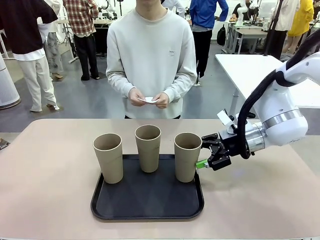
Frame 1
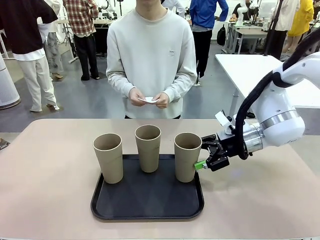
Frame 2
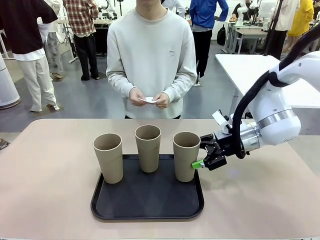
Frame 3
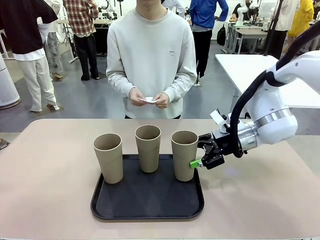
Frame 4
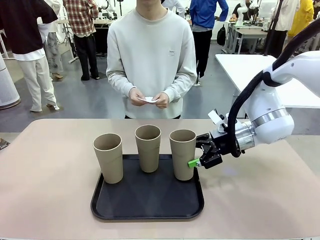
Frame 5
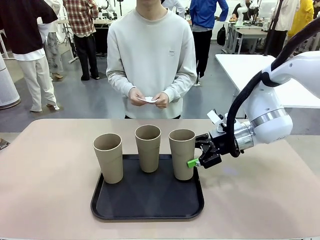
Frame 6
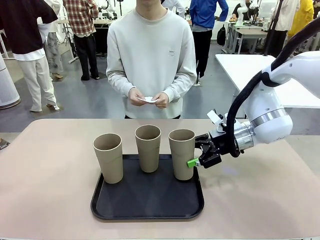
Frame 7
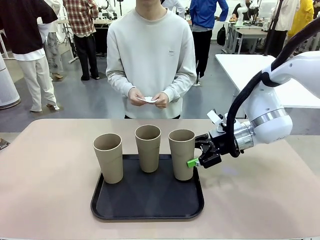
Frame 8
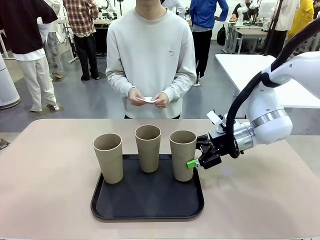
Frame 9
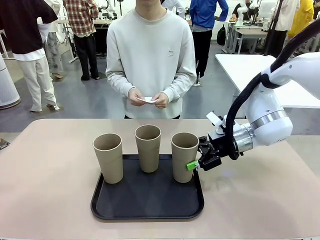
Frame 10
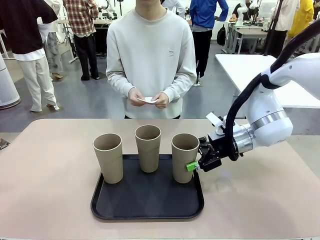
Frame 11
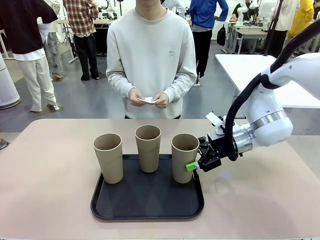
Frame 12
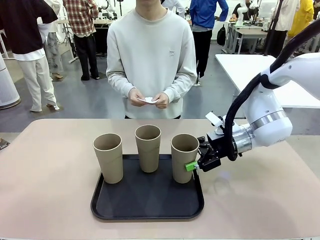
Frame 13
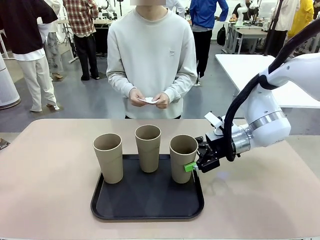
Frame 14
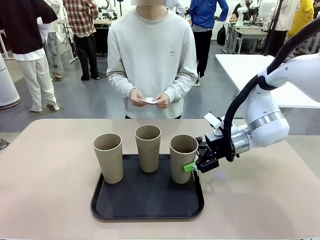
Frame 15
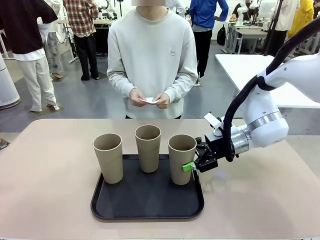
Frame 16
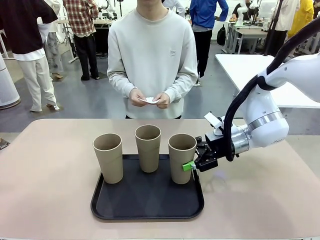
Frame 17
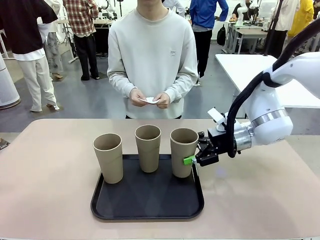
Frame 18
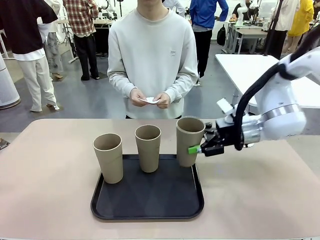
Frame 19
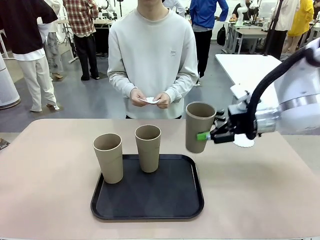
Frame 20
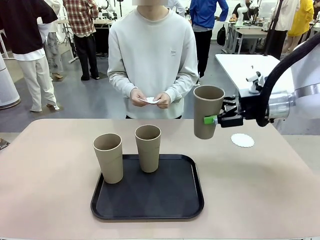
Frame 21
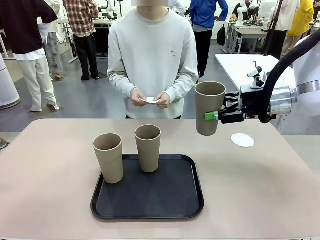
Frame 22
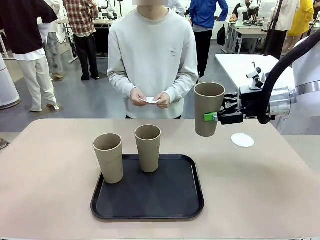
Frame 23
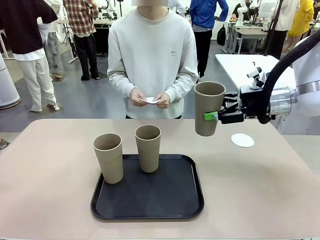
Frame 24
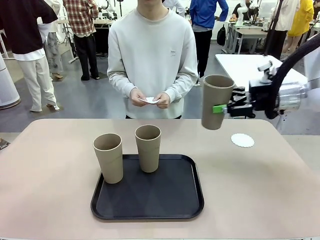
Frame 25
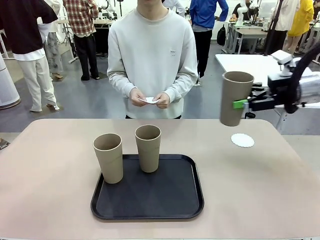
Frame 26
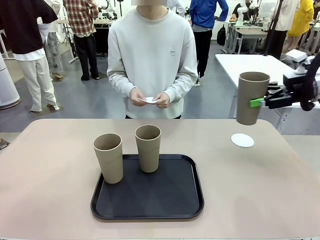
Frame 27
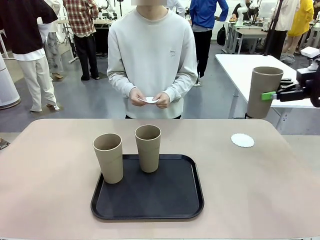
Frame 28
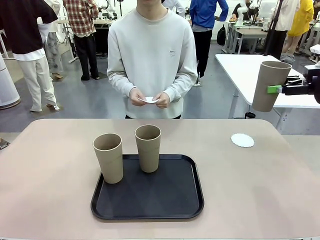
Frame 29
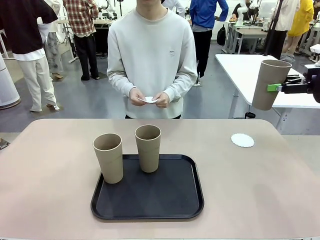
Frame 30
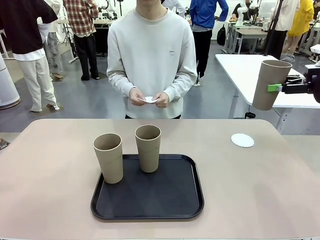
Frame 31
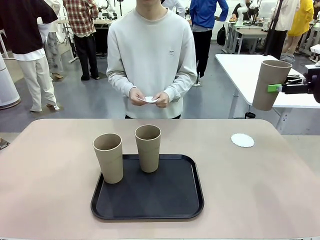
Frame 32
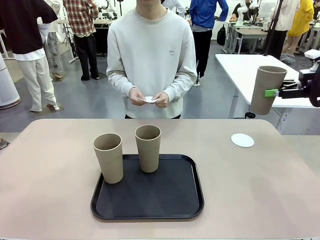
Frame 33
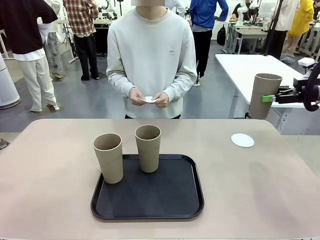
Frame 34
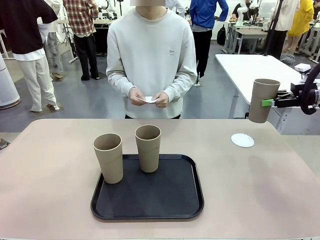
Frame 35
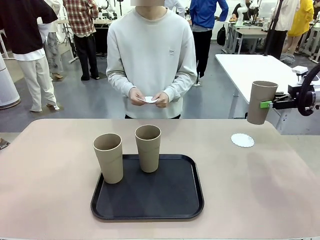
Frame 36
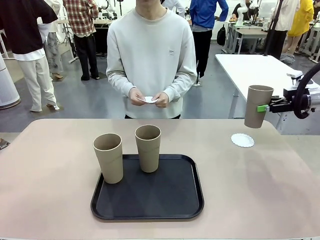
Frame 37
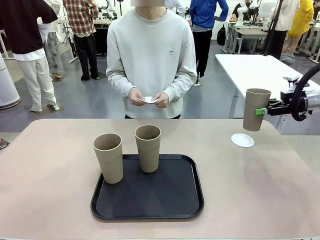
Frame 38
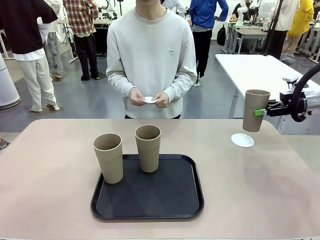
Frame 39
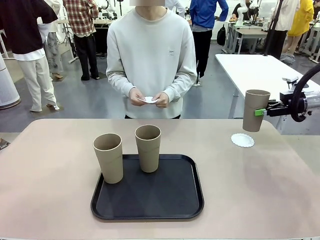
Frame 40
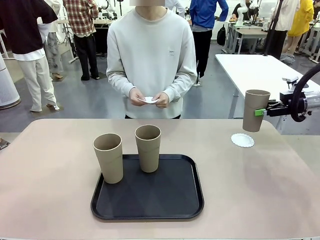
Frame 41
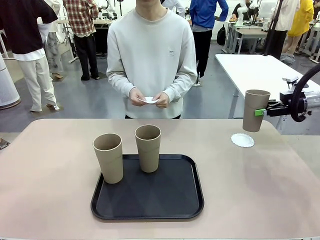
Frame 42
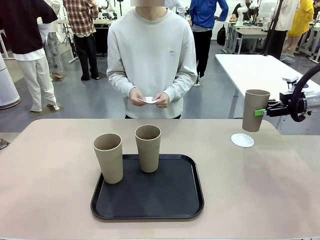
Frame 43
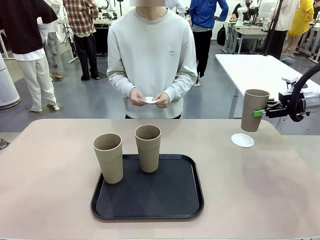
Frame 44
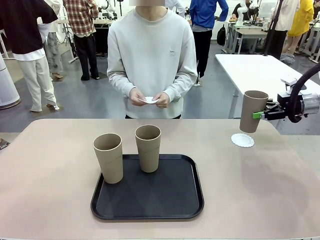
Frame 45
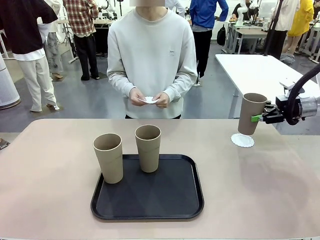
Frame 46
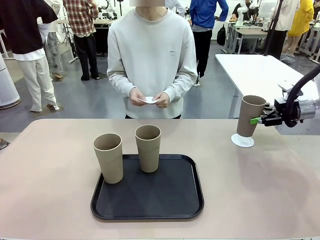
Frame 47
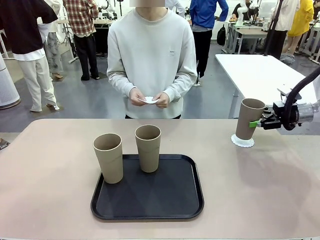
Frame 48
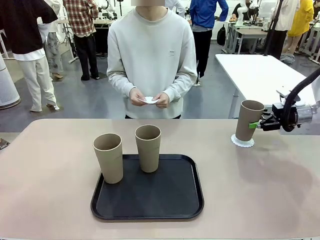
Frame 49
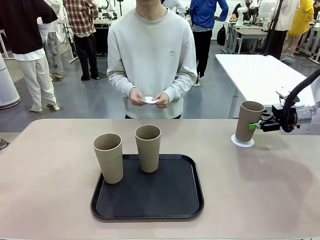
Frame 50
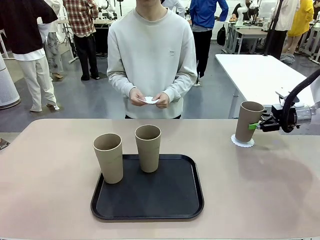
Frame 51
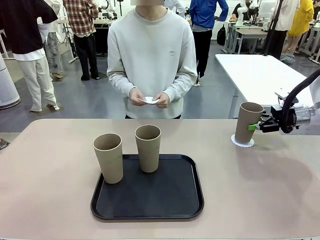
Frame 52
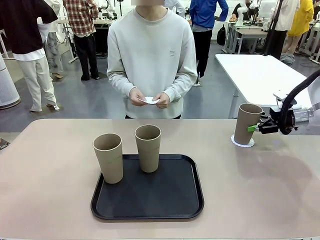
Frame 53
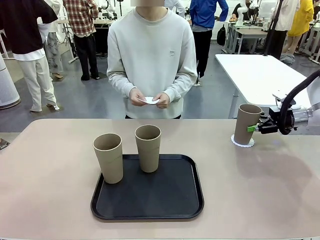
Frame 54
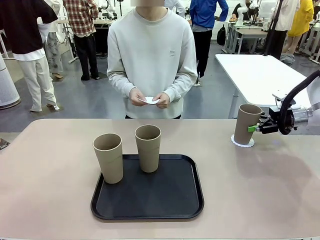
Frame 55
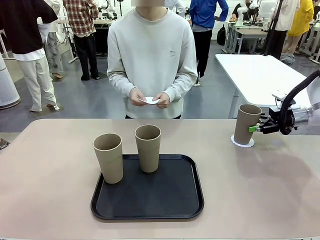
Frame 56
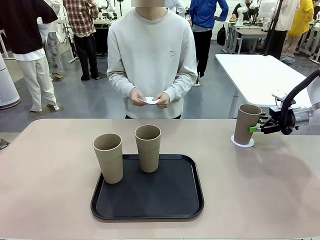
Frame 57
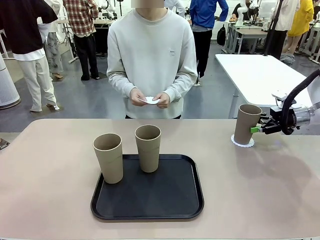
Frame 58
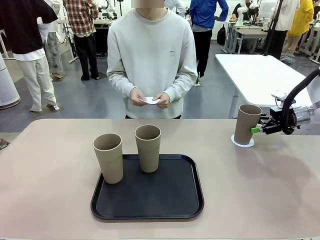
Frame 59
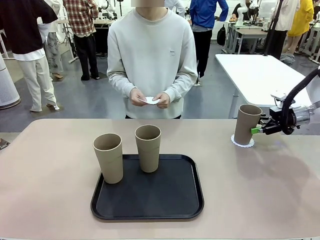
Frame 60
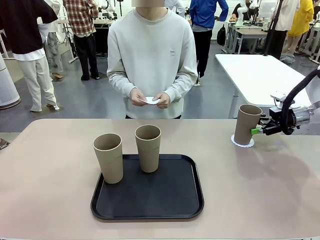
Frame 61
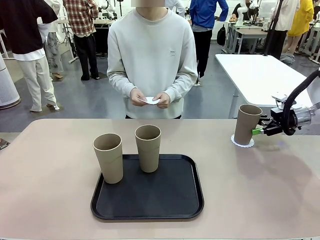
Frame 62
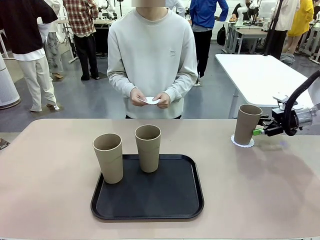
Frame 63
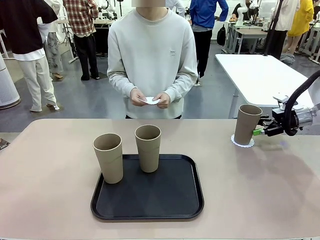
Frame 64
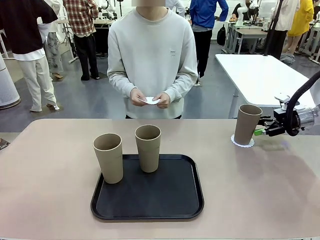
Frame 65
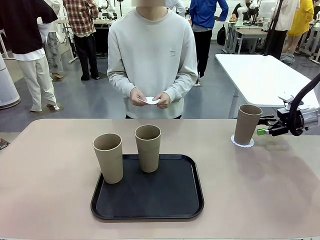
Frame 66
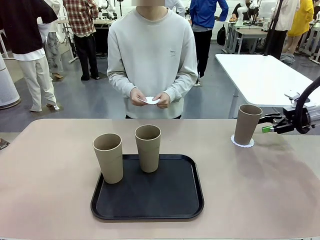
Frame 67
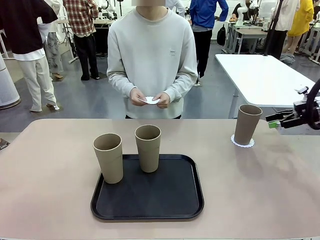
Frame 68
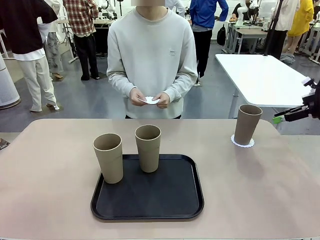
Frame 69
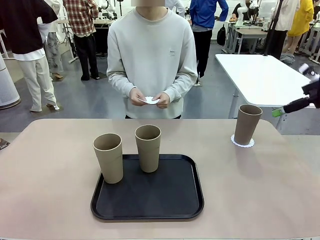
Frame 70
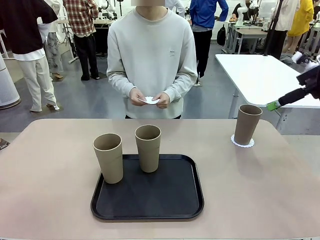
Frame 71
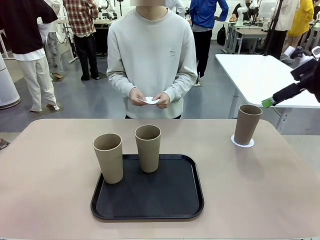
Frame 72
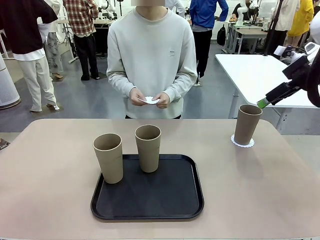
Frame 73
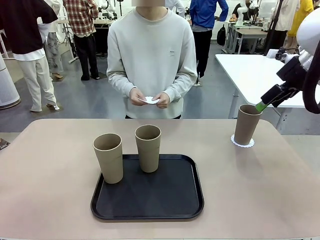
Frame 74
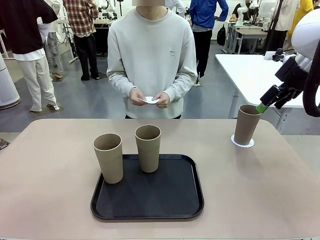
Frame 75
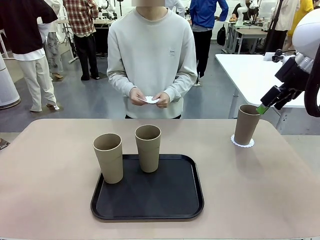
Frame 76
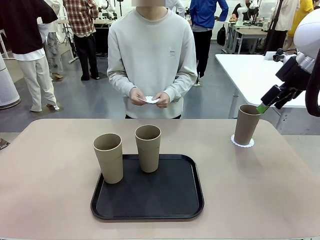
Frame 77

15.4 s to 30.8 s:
Task: Place coasters on the table and set cups on them.
Robot: Pick up one Reusable plastic cup and place it on a coaster set by the human.
Person: Place one coaster in one of the two areas excluding the previously selected area.
